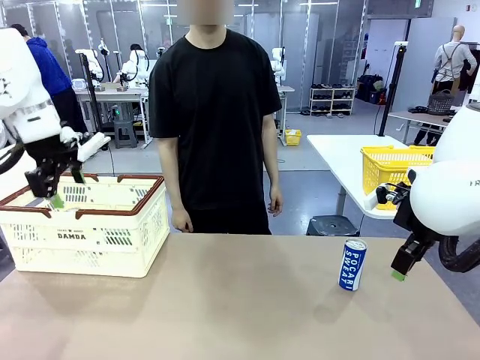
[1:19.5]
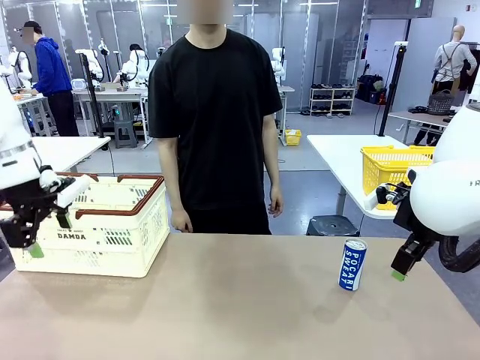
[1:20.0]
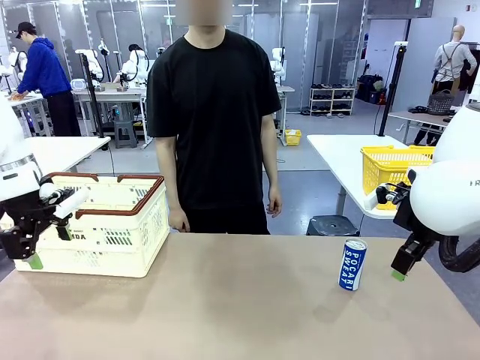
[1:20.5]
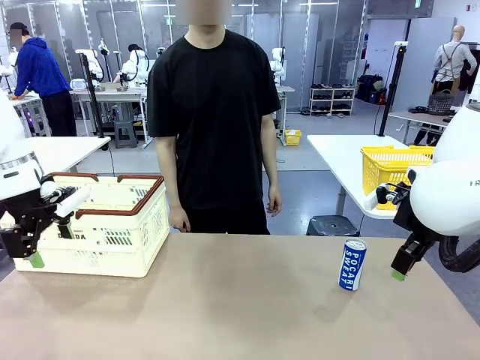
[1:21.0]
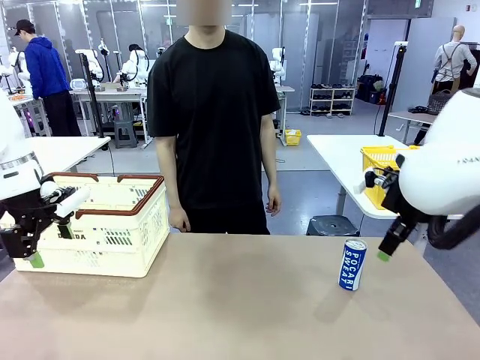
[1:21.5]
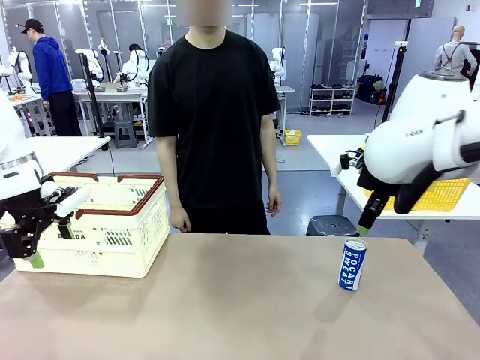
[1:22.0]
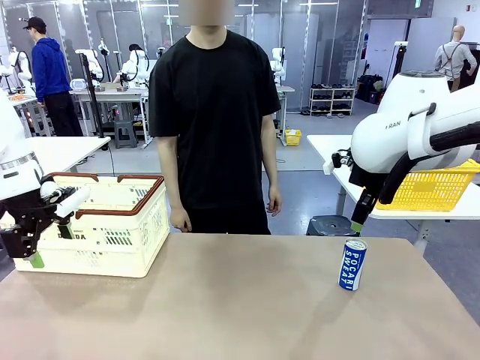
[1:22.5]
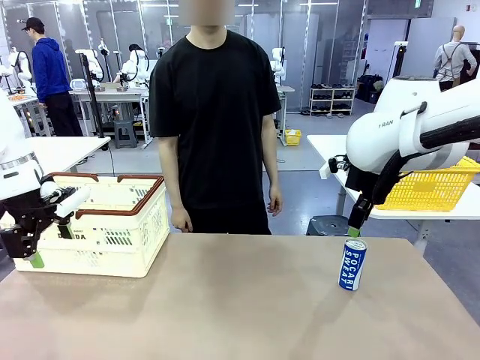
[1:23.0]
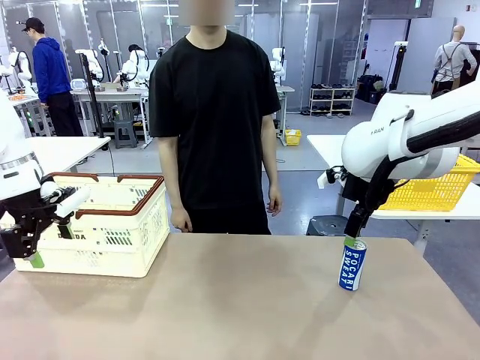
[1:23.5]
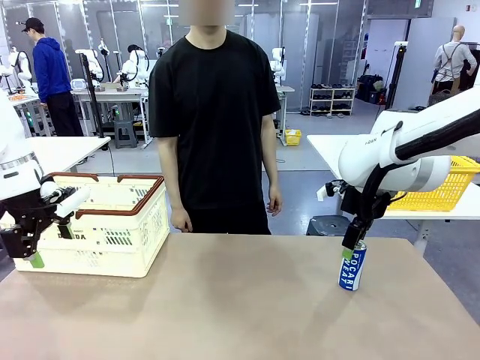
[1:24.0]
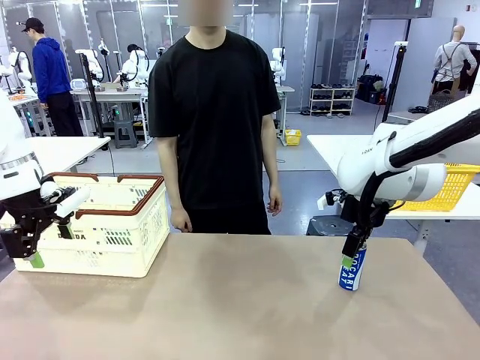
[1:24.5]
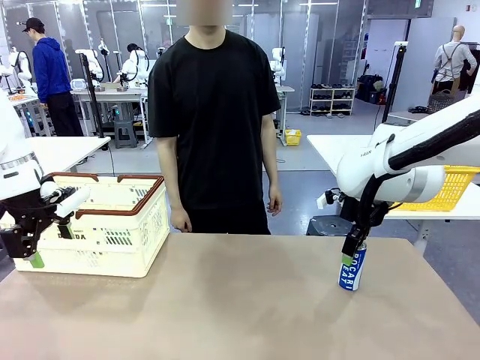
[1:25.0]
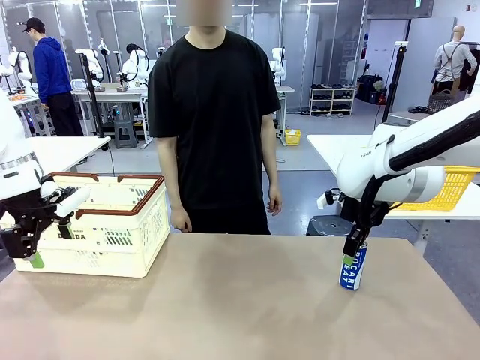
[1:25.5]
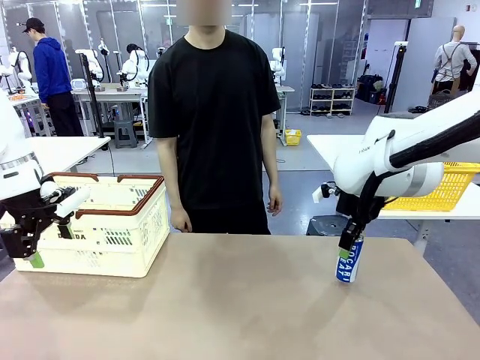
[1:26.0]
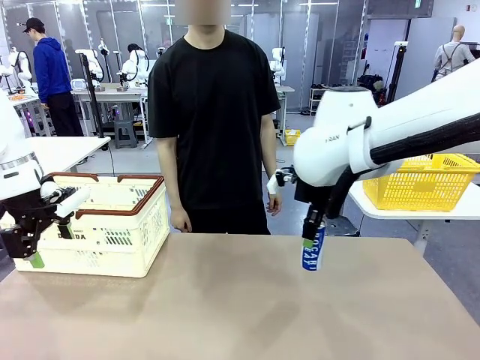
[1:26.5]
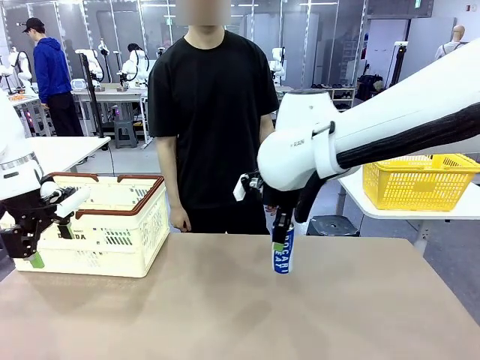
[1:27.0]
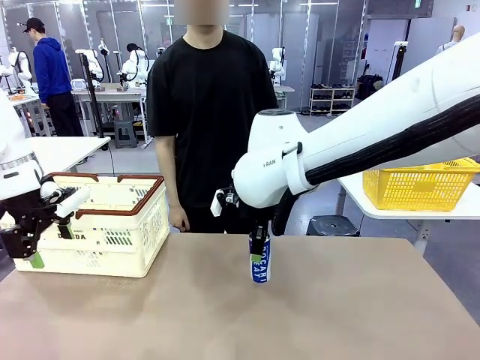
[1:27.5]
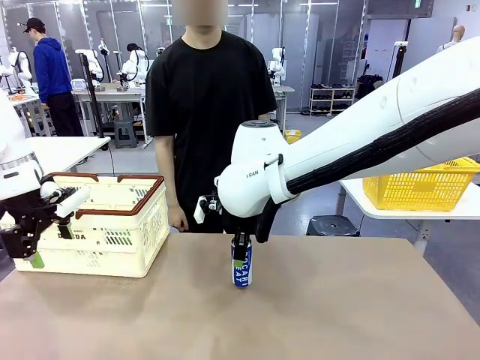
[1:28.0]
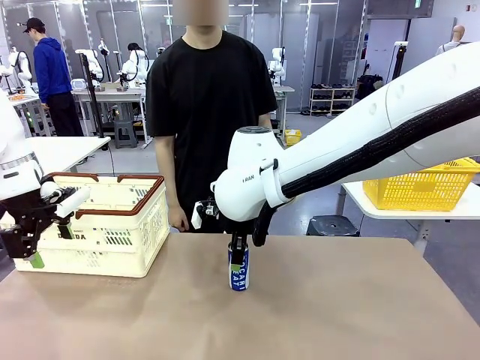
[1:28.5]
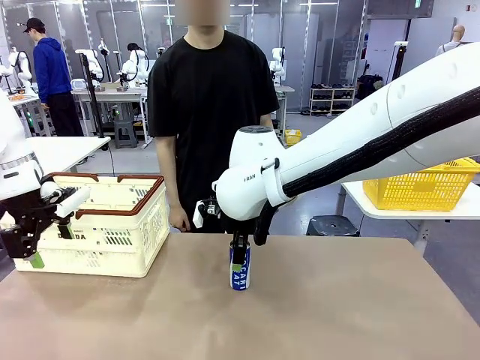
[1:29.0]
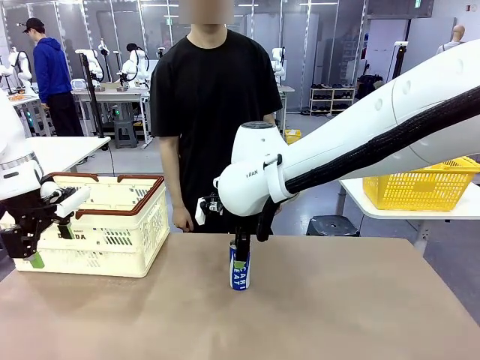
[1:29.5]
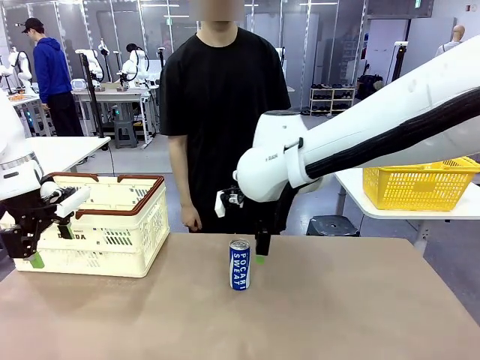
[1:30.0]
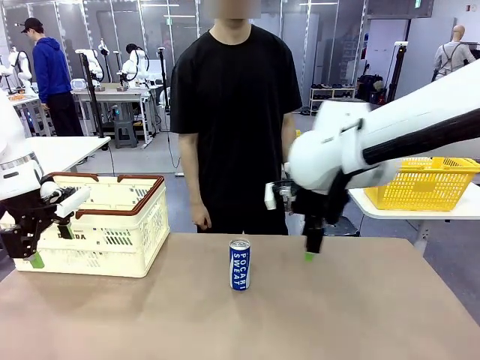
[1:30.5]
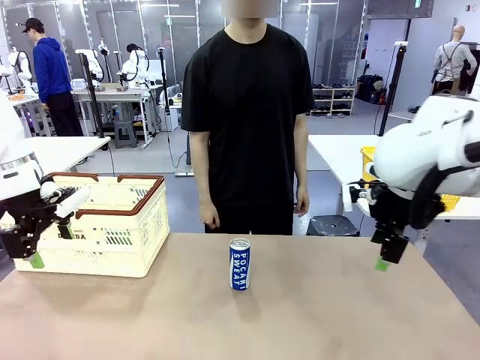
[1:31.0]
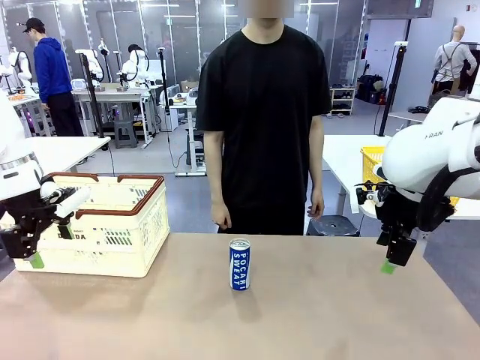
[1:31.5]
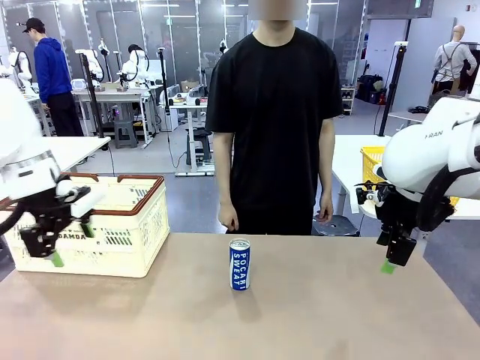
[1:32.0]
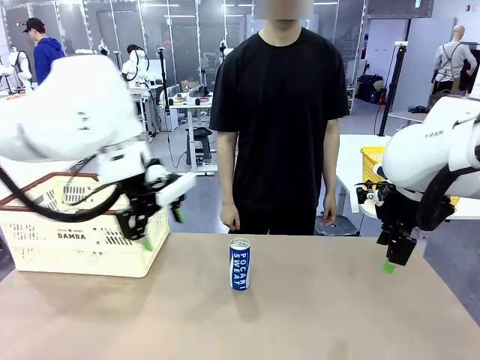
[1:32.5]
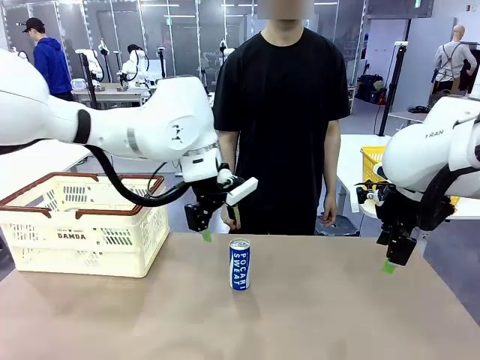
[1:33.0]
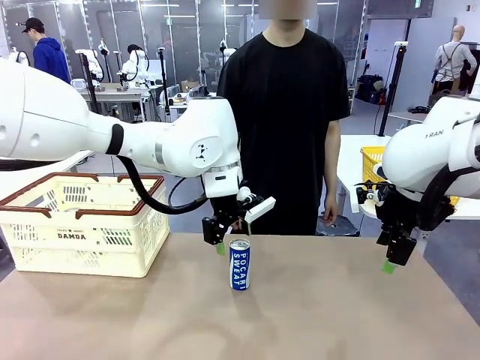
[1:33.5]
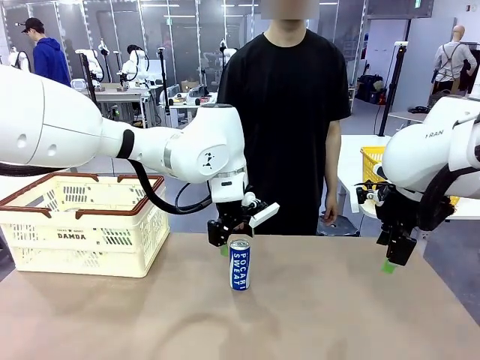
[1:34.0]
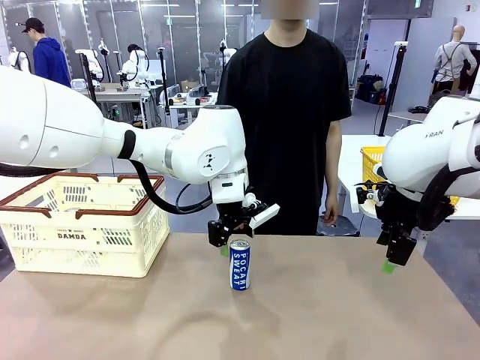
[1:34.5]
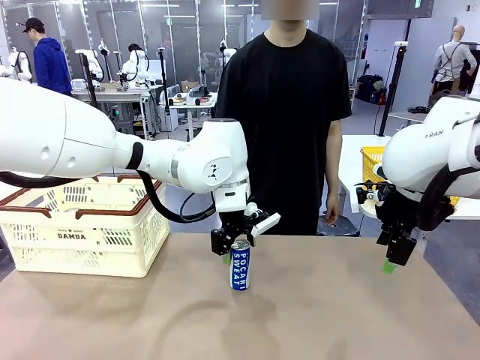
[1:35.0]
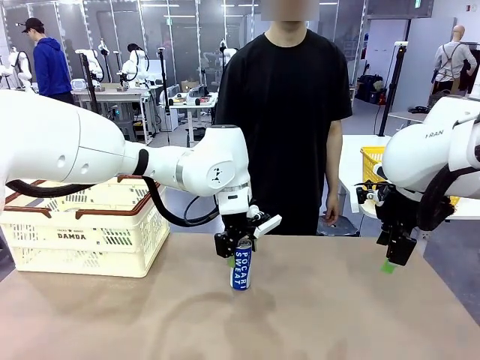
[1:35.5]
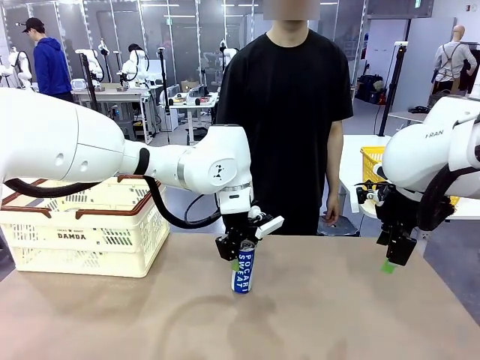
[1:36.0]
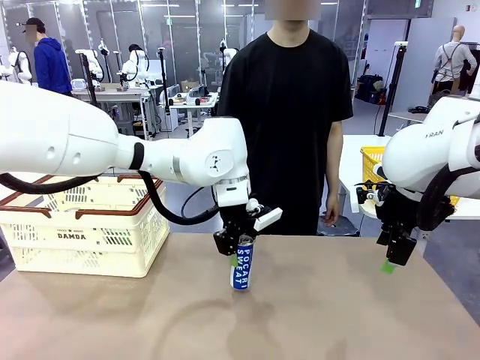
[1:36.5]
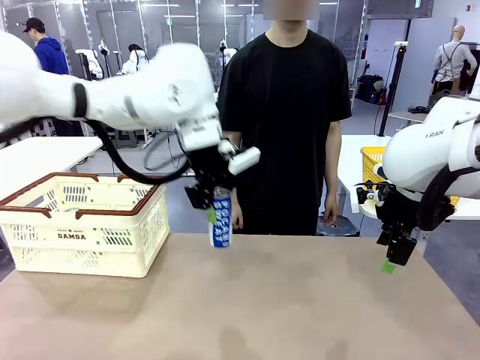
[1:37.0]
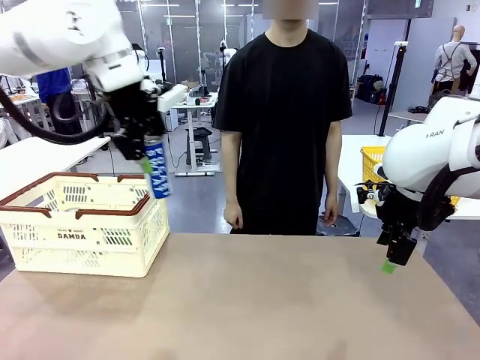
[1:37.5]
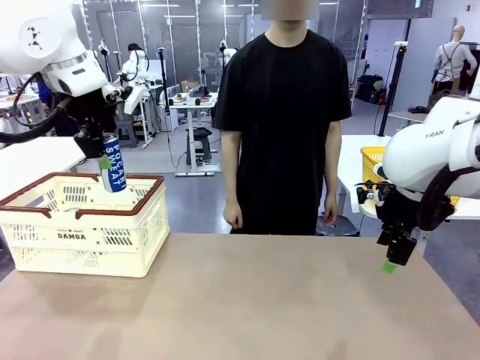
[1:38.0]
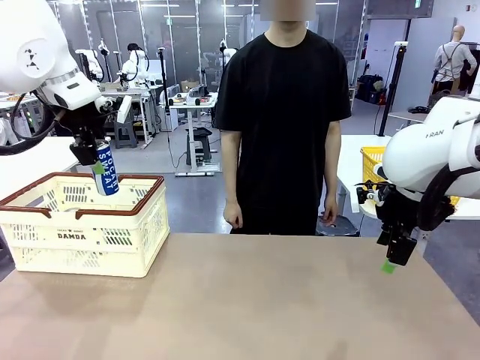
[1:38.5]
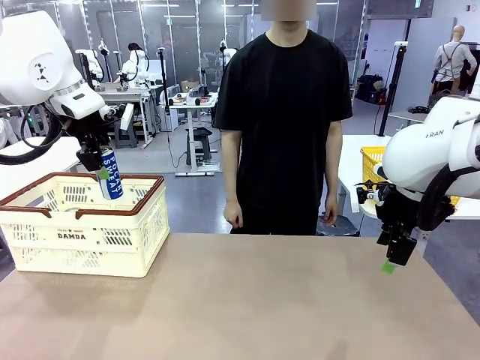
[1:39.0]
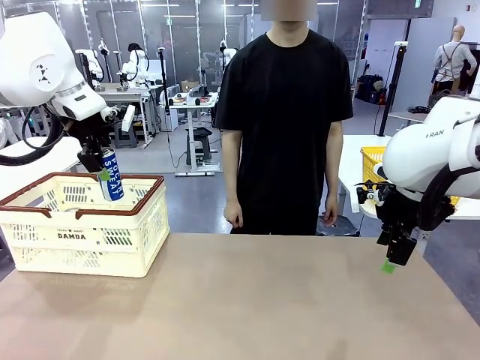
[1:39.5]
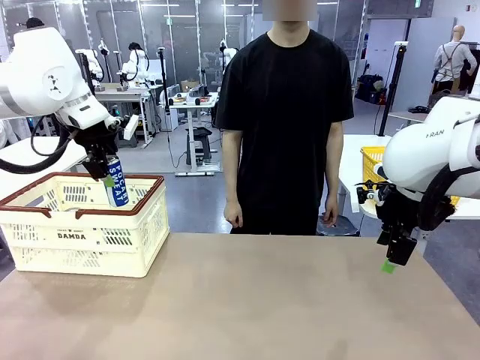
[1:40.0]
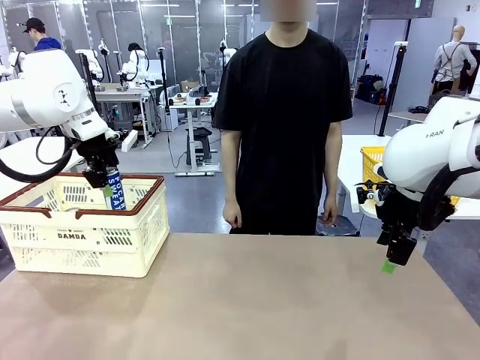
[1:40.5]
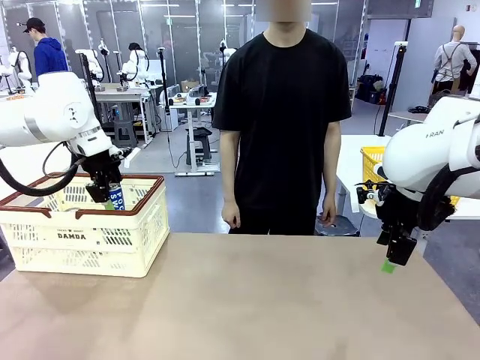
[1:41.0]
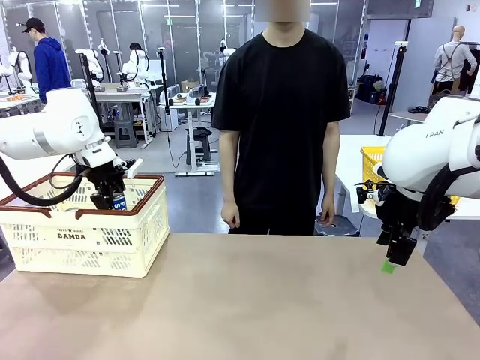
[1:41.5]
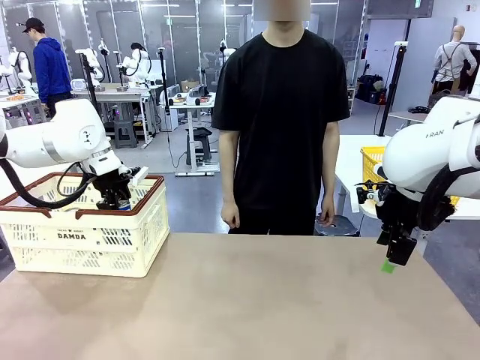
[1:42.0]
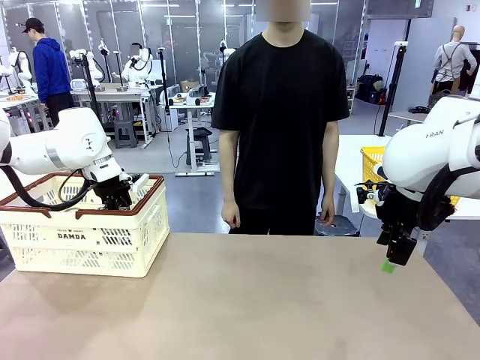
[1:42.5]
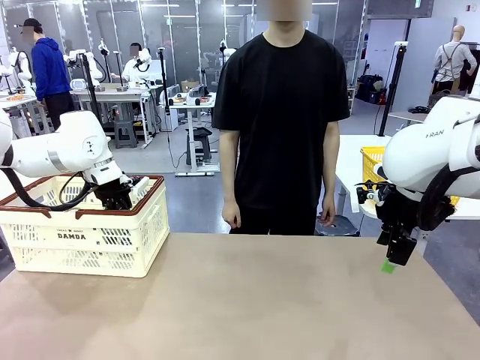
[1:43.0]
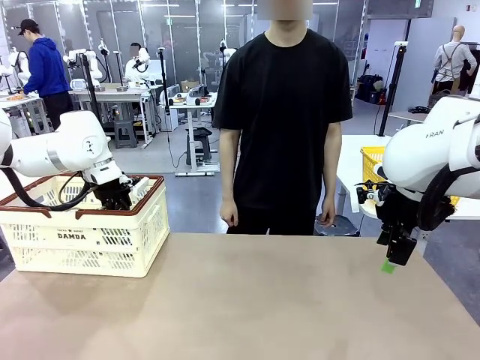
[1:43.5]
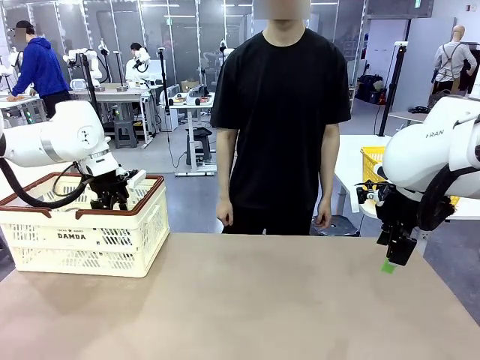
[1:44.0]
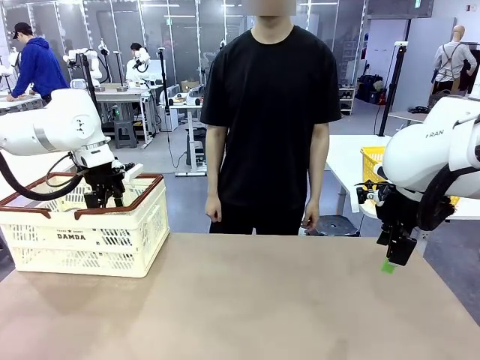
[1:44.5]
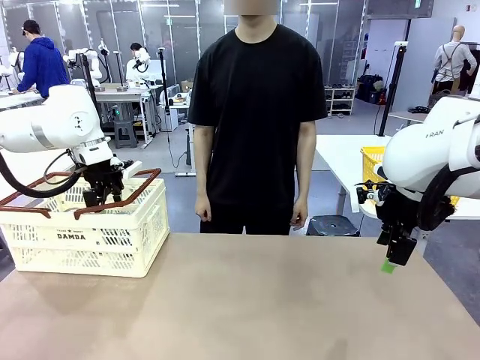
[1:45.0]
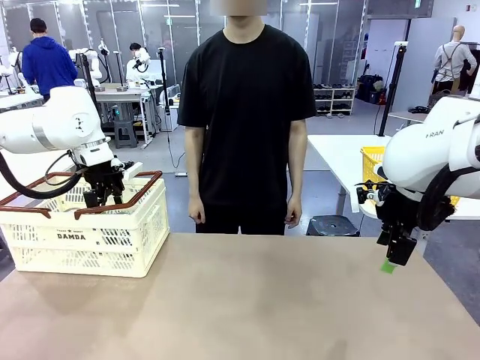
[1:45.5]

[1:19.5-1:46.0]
Task: Place the drinks into the Shopping basket.
Robot: Pick up one drink and place it into the Shopping basket.
